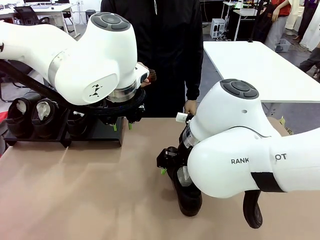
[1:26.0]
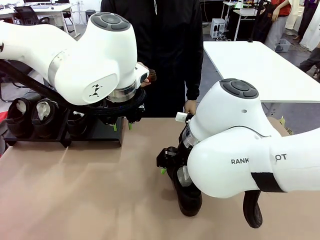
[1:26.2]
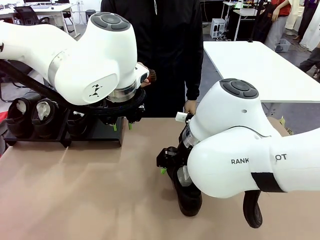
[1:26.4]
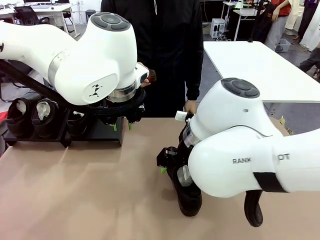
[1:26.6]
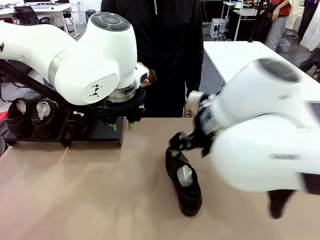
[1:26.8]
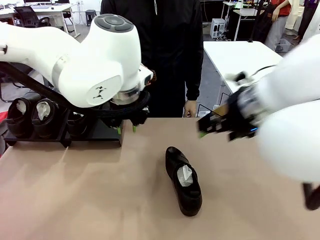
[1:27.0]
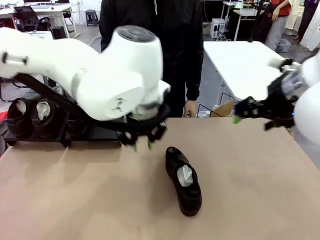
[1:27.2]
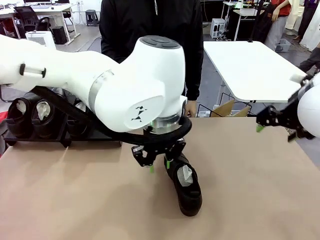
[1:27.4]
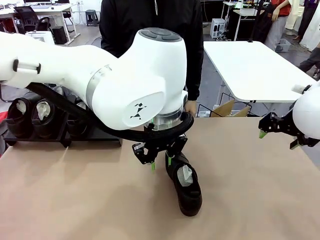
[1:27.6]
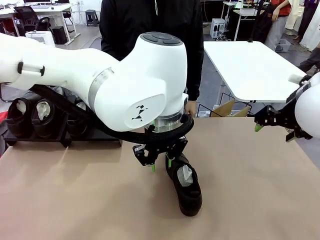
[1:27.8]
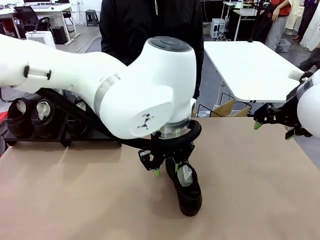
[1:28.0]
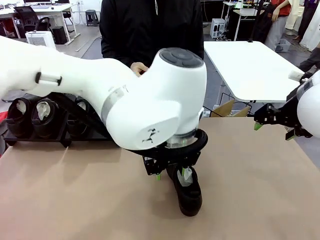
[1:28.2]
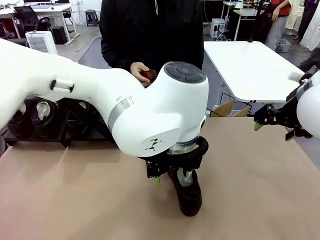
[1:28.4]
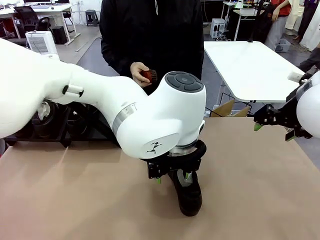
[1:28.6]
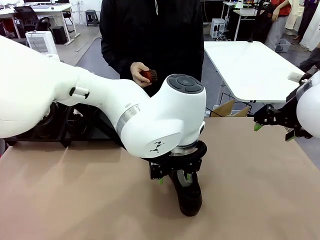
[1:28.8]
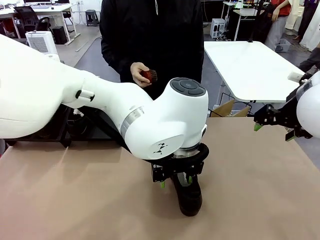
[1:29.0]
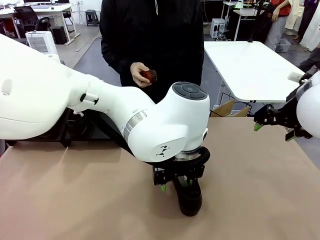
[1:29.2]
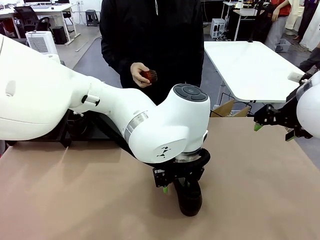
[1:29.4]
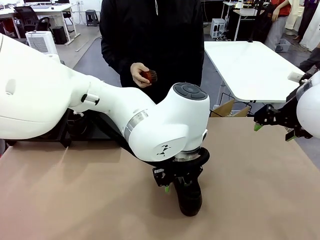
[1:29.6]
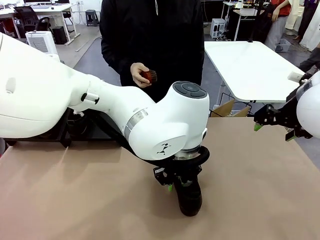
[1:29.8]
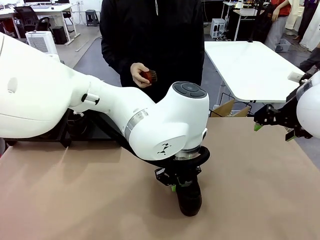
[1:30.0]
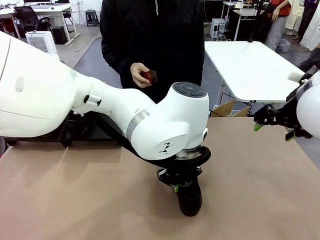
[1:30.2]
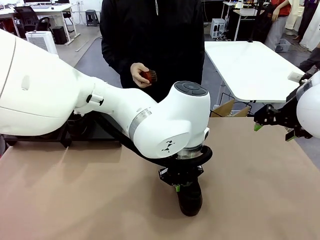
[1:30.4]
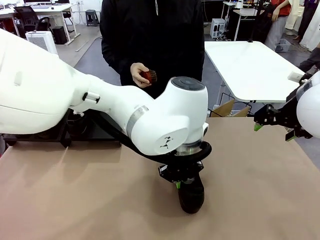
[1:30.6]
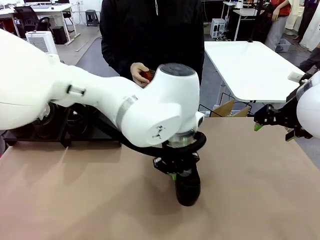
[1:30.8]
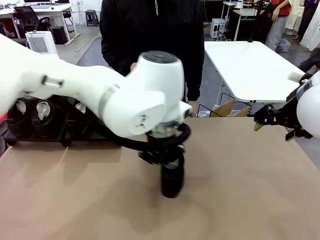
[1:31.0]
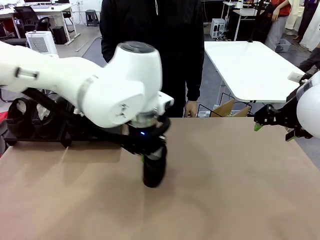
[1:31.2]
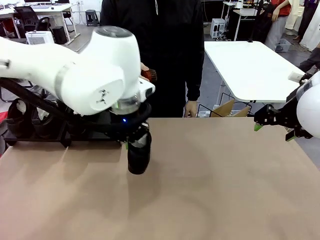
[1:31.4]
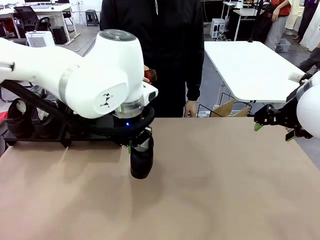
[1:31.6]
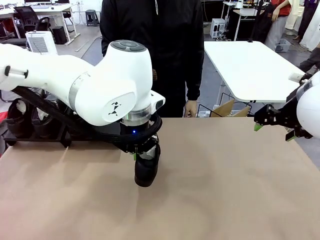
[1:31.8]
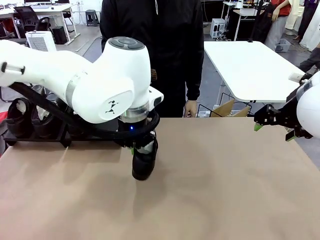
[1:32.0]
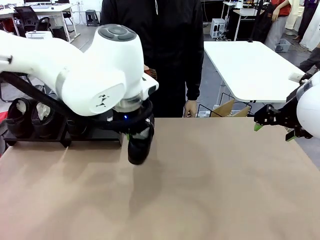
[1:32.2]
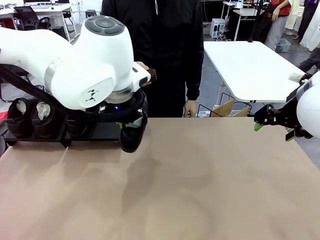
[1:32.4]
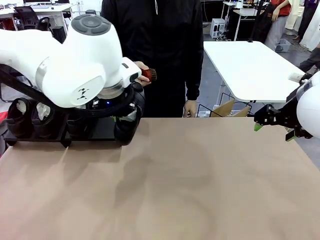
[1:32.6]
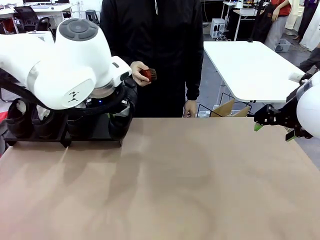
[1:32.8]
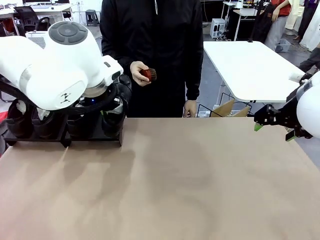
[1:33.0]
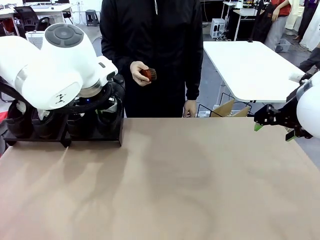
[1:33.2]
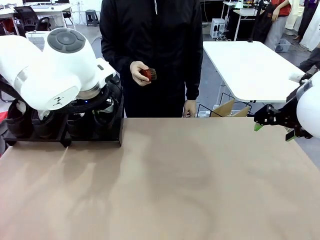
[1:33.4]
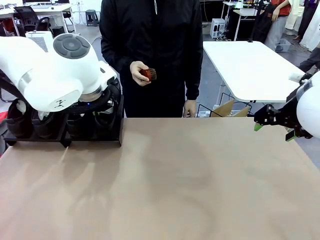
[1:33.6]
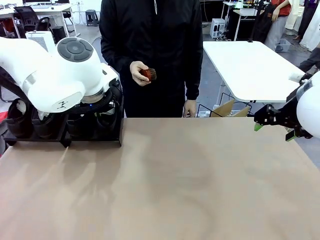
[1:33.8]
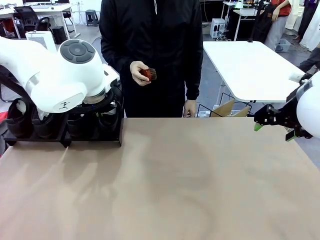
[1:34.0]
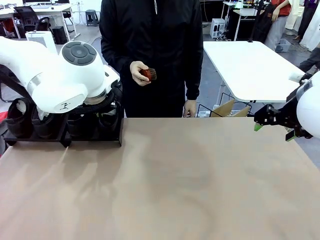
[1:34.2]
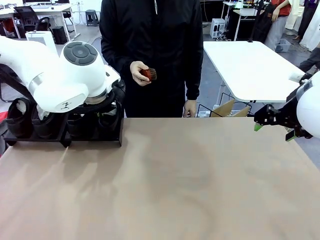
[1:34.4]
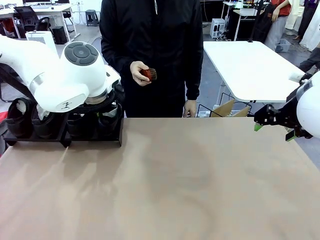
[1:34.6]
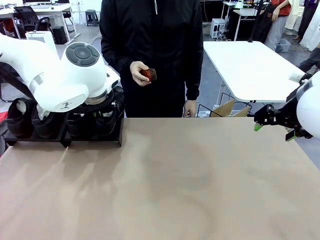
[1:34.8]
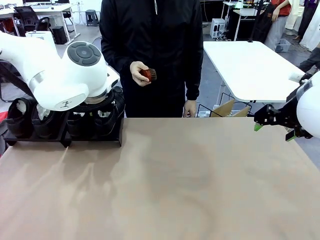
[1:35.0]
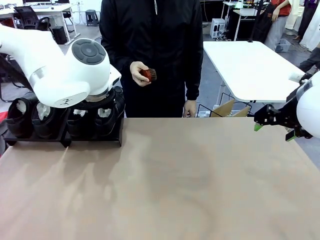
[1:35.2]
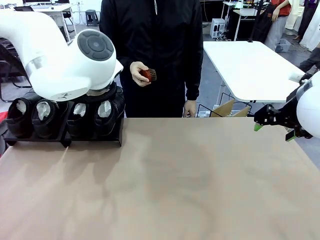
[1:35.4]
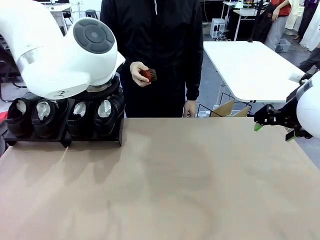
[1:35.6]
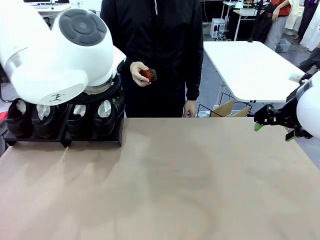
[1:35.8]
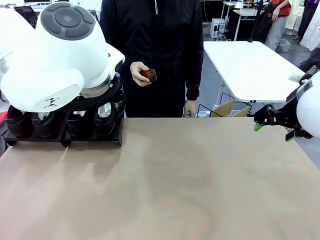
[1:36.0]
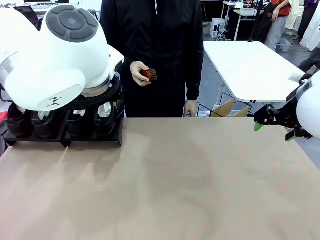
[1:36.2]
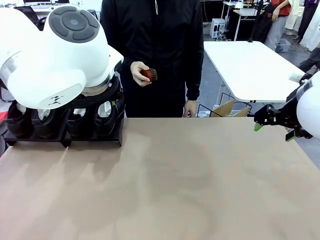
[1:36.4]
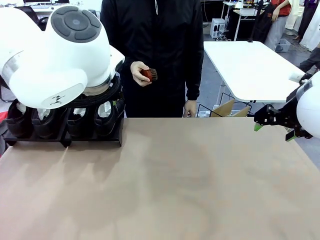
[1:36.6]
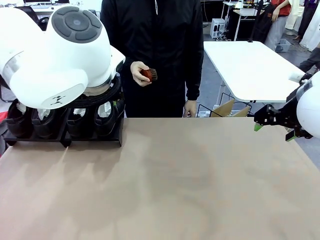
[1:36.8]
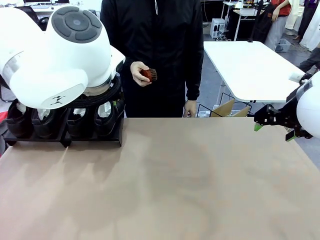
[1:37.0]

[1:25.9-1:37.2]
Task: Organize the shoes by placing them on the stand.
Robot: Place the Shoe from the middle of the table onto the Shoes Stand.

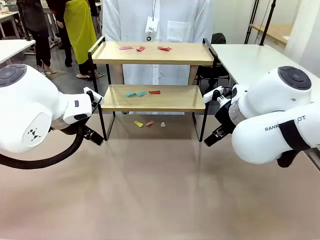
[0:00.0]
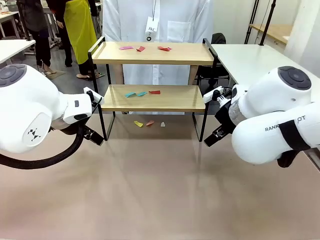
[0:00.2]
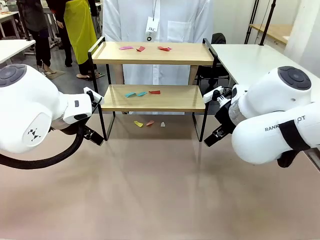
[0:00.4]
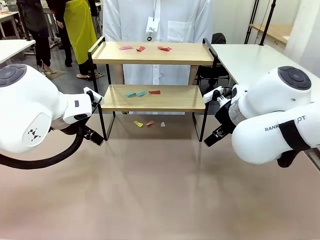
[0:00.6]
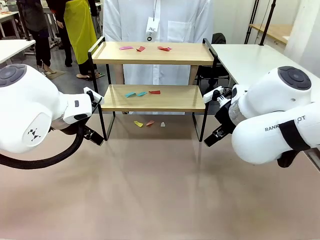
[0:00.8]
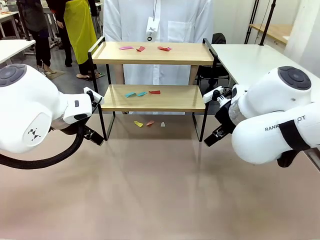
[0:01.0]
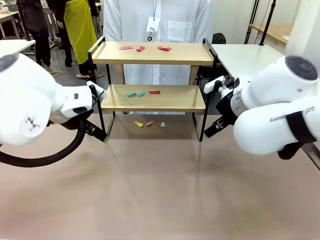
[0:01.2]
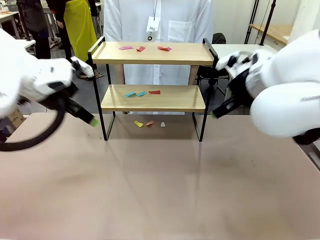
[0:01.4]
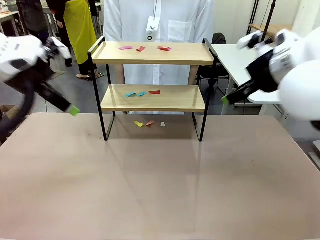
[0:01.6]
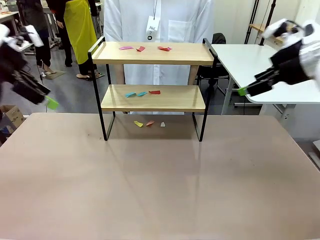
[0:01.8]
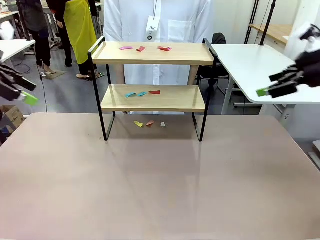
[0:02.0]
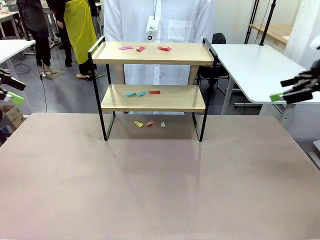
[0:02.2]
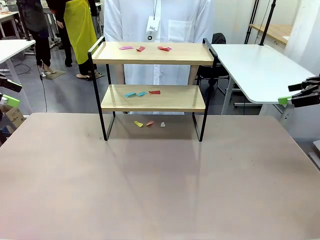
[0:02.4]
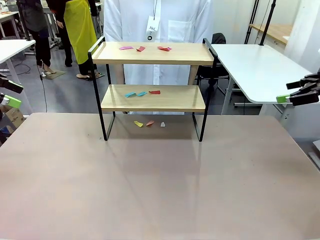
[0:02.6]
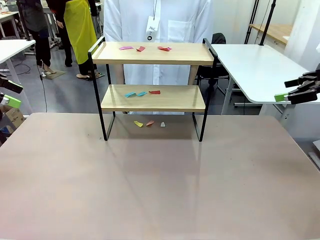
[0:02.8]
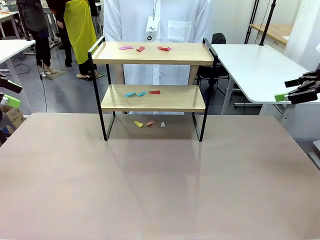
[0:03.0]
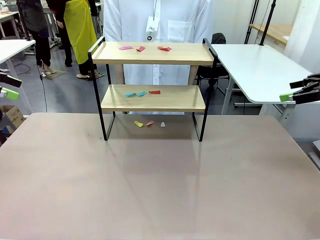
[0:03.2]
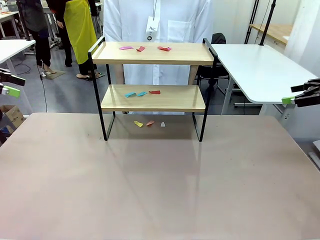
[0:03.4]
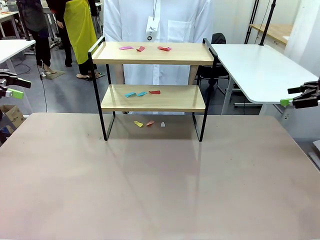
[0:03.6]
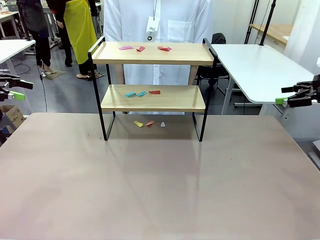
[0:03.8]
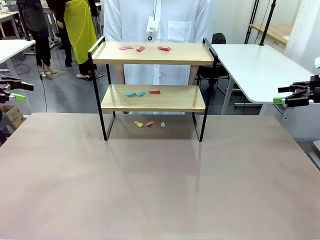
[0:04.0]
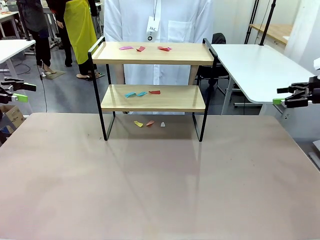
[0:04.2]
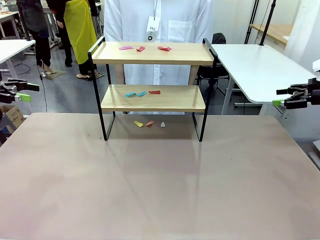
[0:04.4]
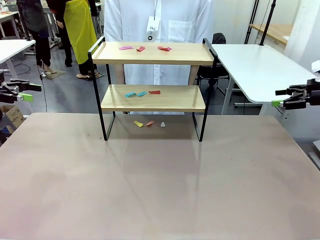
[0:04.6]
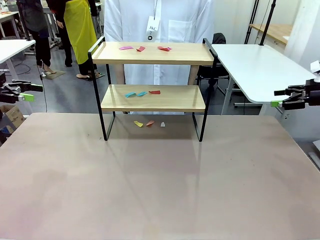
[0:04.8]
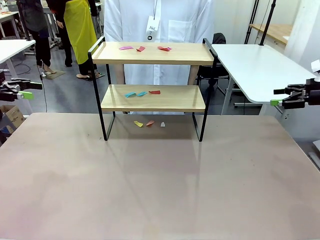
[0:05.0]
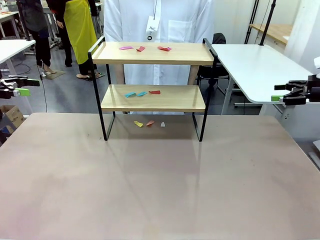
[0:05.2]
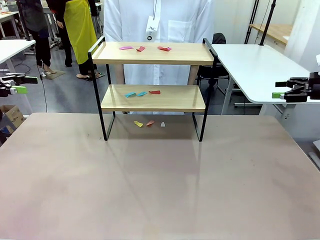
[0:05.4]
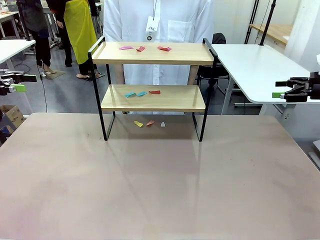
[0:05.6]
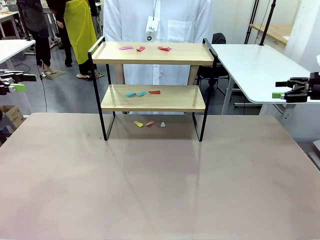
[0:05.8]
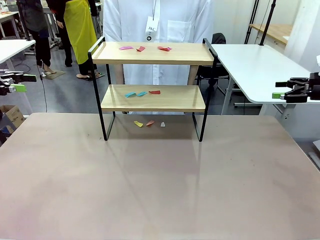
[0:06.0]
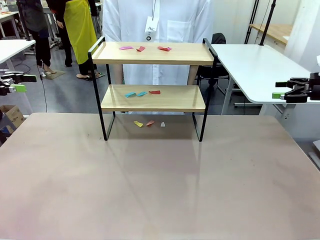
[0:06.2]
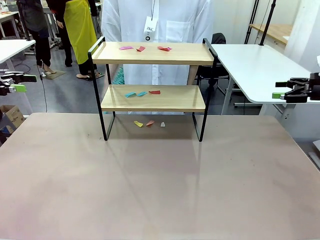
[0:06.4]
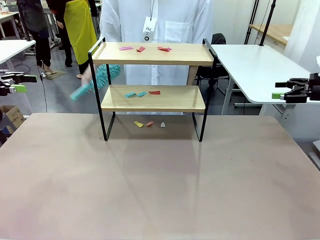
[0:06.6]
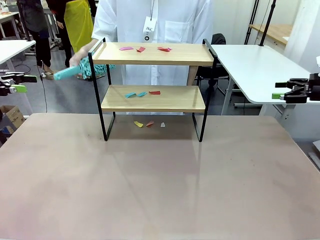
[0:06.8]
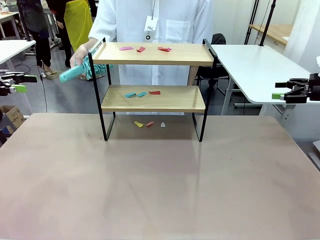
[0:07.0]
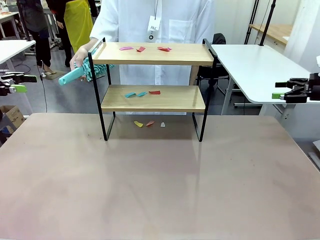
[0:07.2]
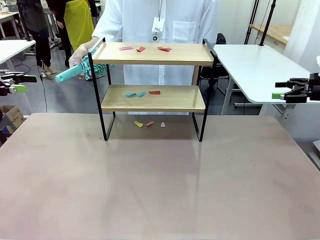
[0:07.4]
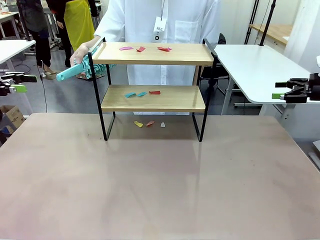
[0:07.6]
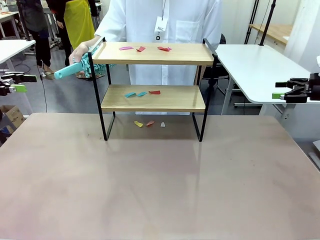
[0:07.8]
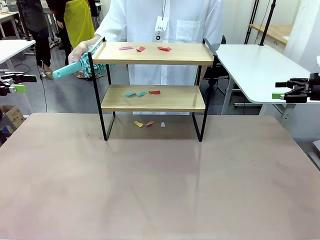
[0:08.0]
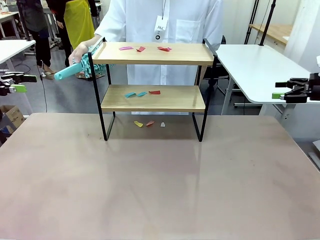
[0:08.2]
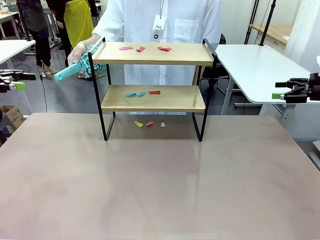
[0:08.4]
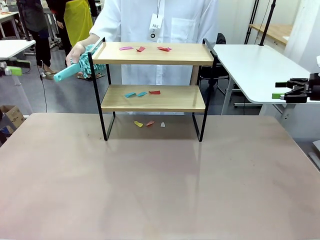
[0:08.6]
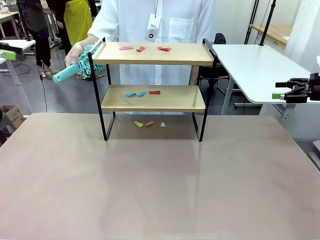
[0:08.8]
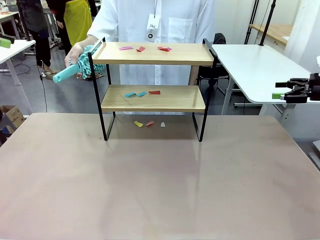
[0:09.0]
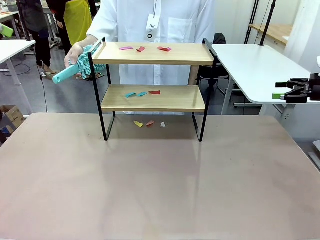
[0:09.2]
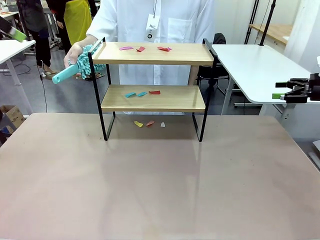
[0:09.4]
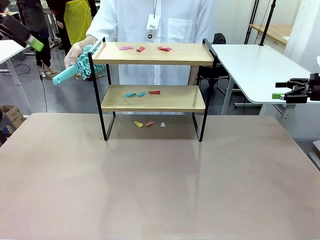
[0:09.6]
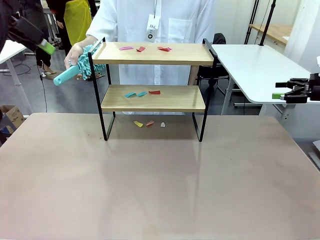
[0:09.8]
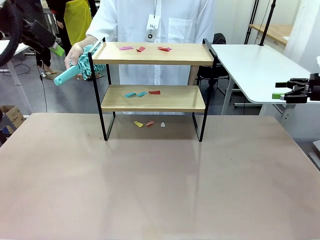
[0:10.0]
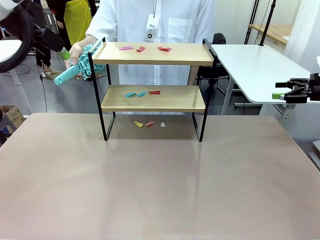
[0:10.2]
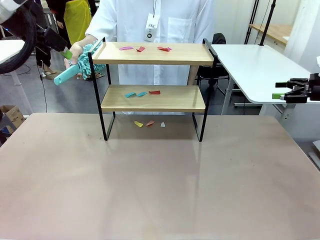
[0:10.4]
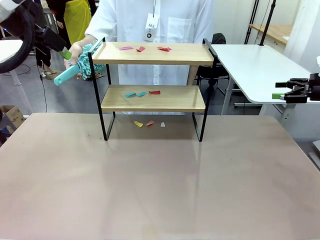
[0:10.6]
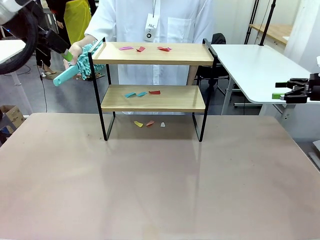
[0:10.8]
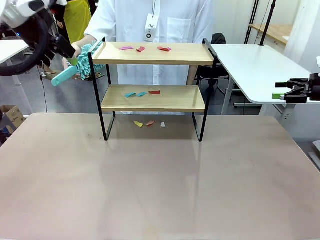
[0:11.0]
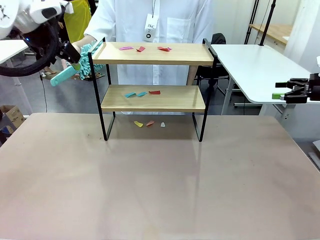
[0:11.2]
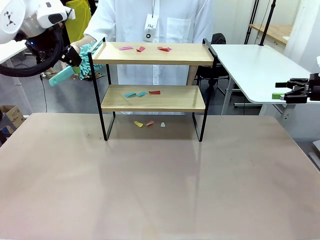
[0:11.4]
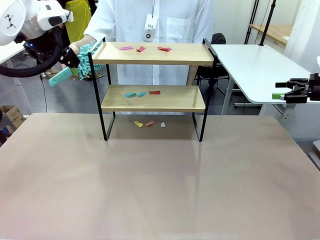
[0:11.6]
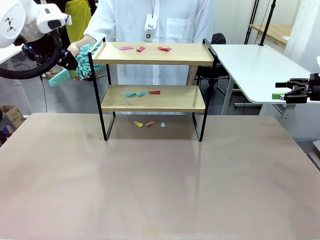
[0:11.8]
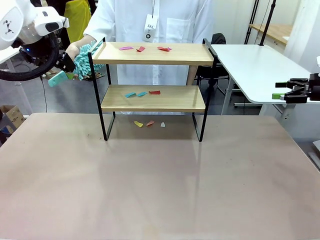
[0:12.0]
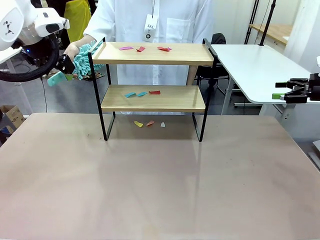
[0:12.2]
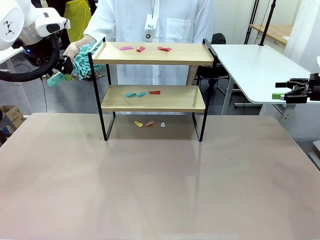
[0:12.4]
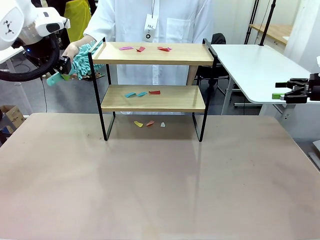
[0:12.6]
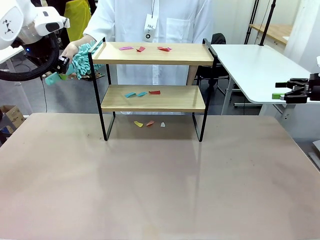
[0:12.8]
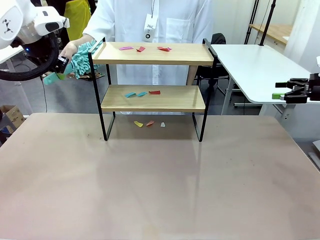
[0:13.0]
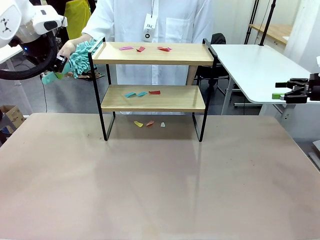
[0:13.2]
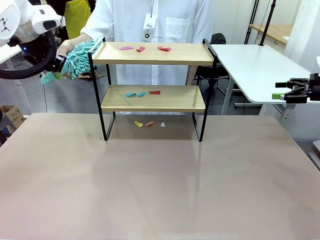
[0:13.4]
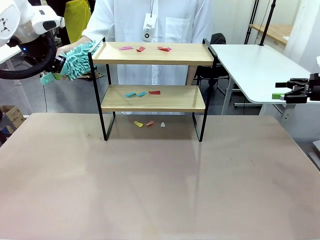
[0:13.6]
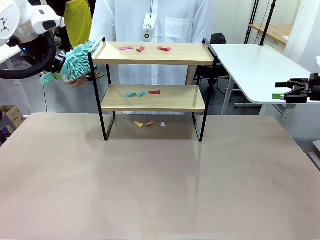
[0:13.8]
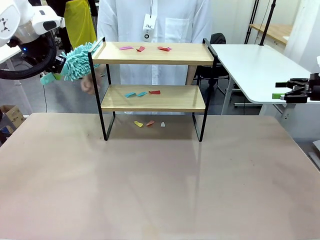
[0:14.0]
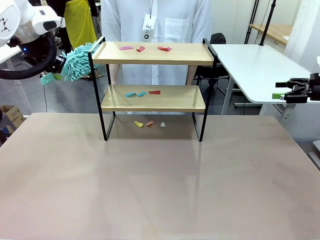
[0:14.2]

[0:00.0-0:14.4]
Task: Clean the shelf.
Robot: Pick up the Duster handed by the human.
Person: Hand the Duster to the robot.
